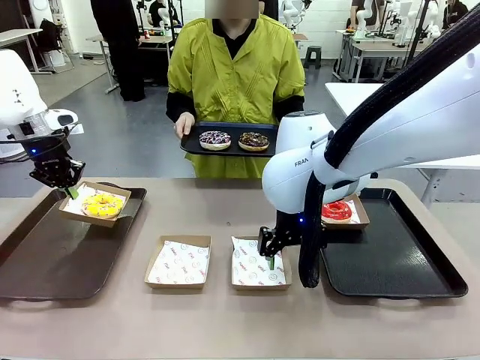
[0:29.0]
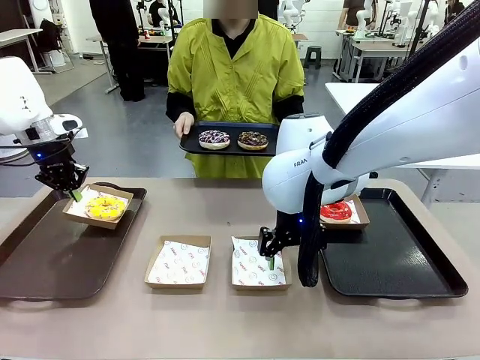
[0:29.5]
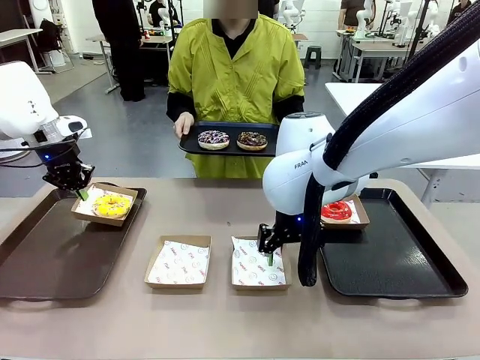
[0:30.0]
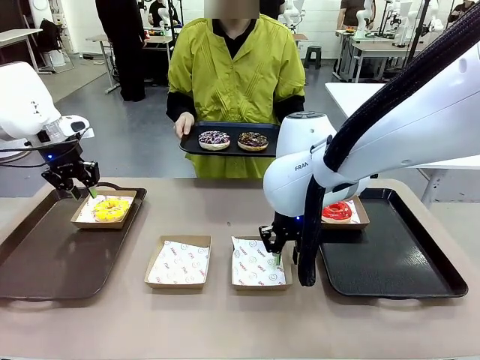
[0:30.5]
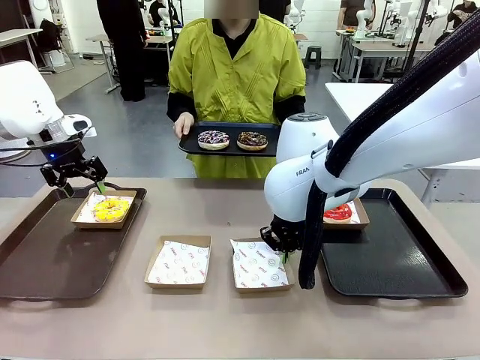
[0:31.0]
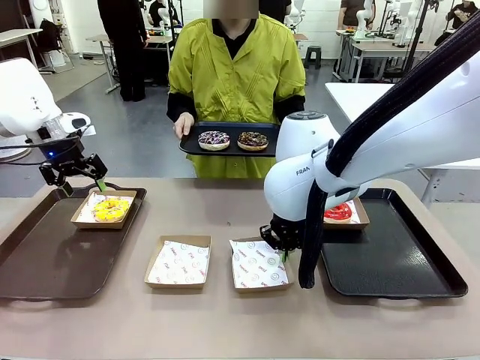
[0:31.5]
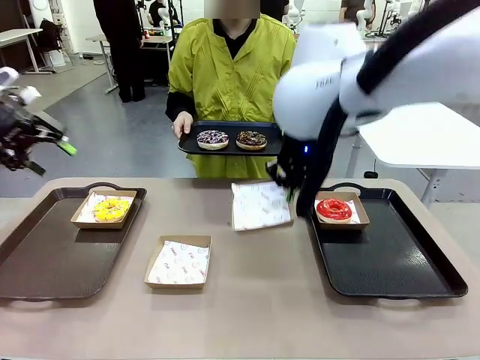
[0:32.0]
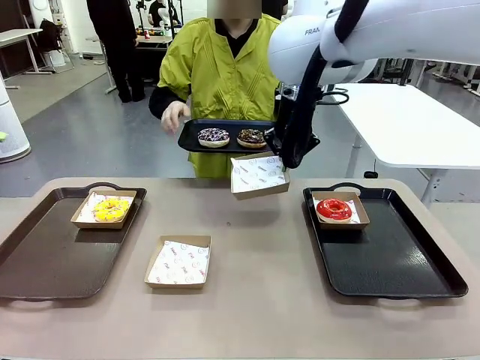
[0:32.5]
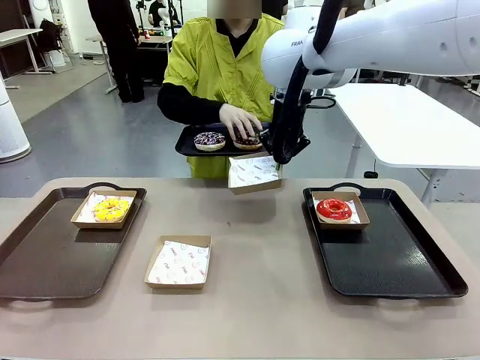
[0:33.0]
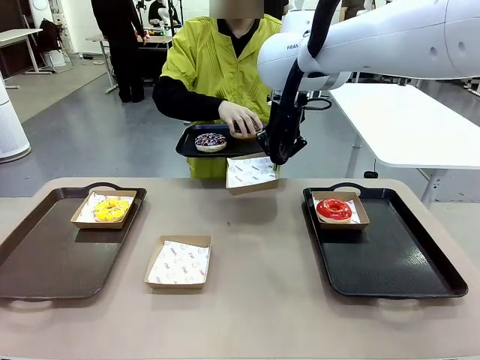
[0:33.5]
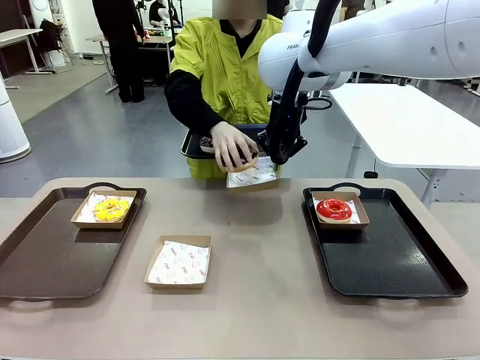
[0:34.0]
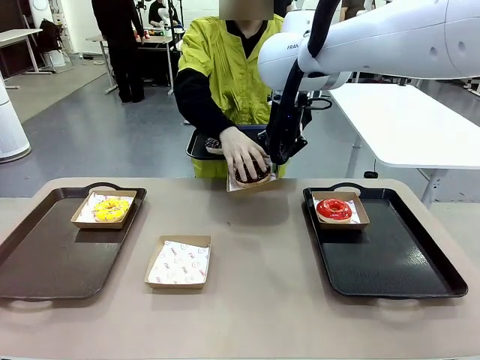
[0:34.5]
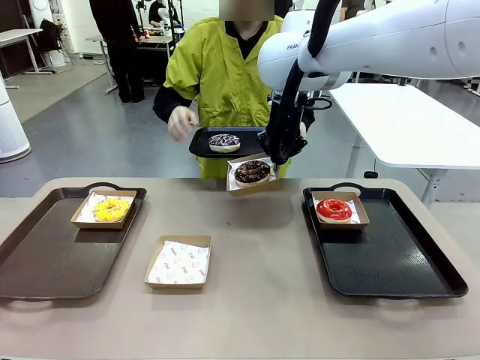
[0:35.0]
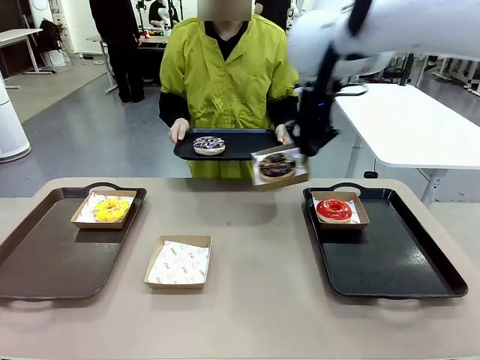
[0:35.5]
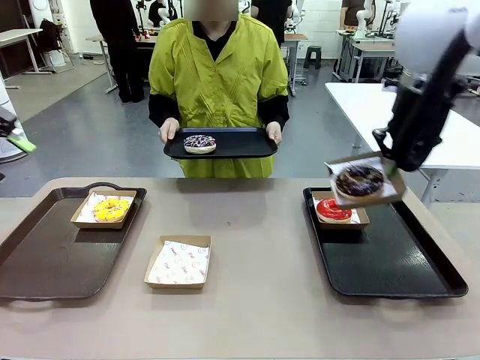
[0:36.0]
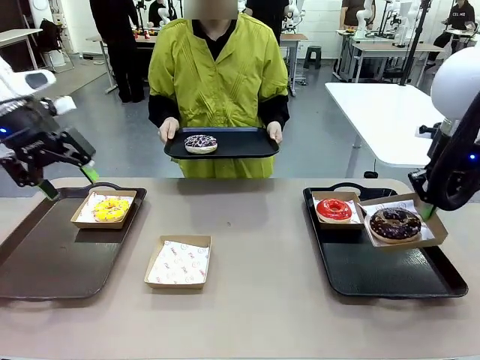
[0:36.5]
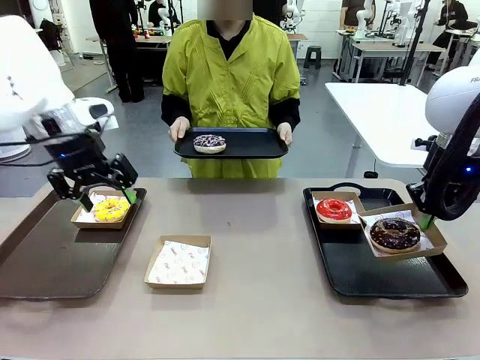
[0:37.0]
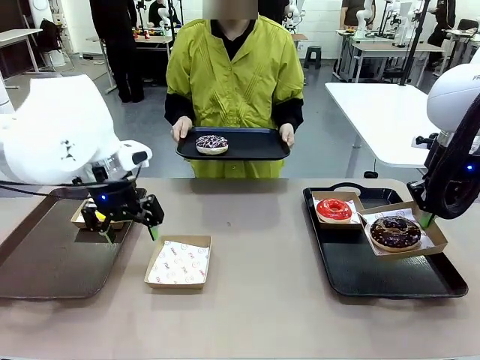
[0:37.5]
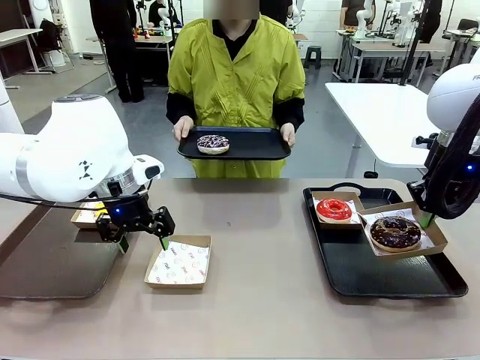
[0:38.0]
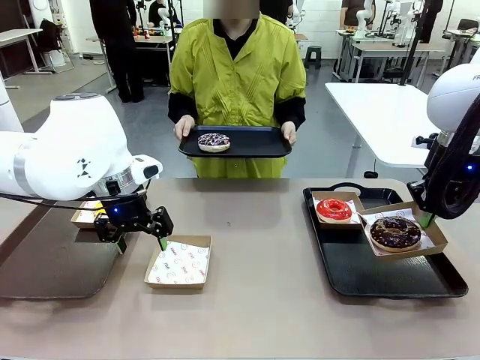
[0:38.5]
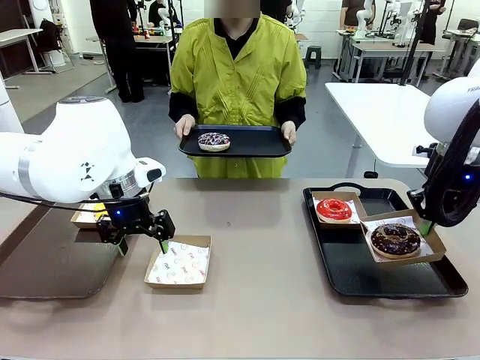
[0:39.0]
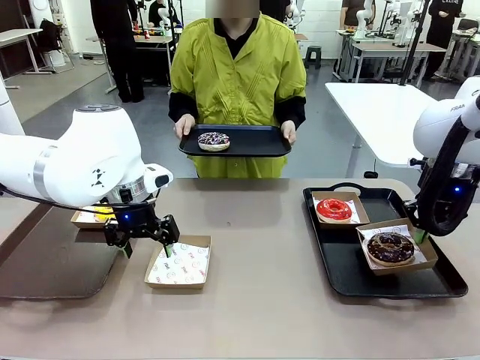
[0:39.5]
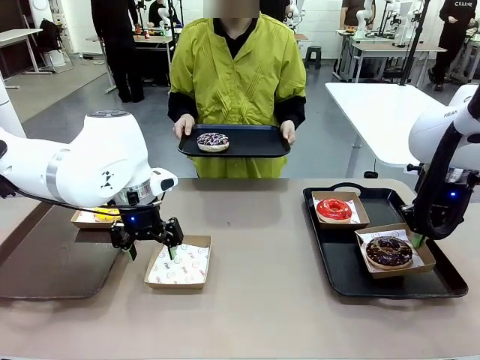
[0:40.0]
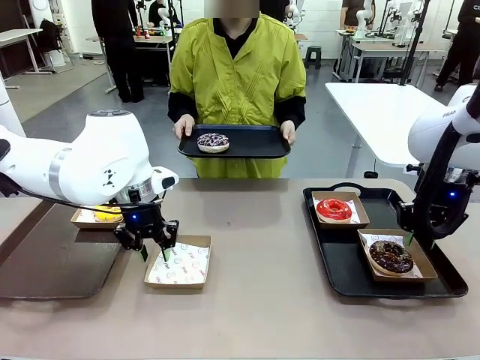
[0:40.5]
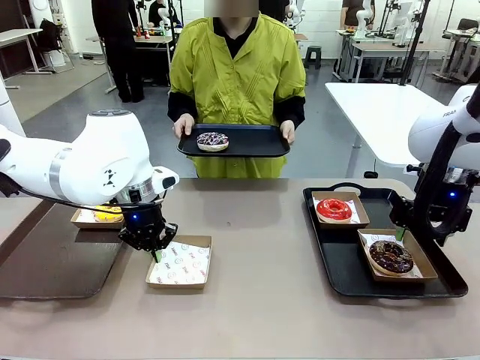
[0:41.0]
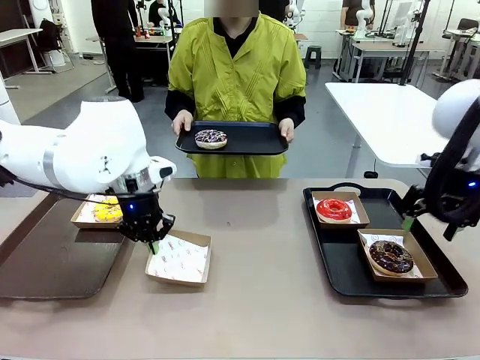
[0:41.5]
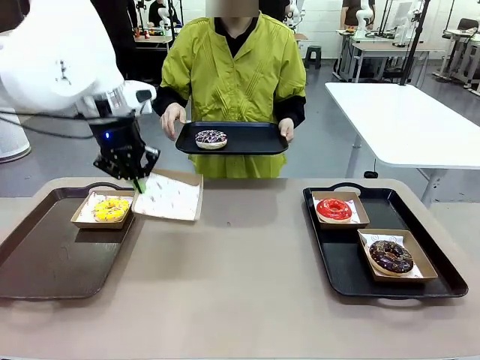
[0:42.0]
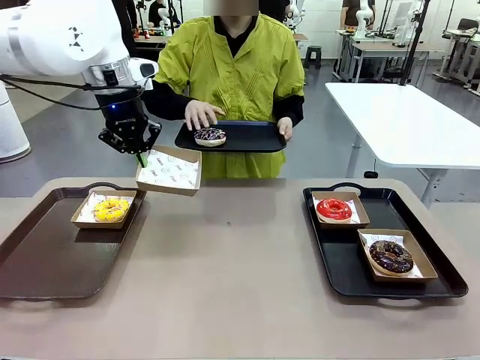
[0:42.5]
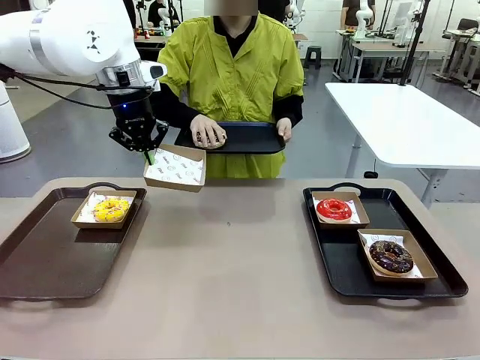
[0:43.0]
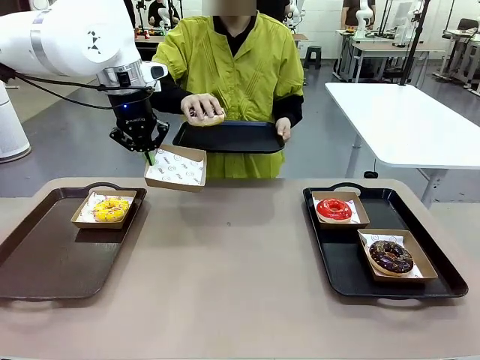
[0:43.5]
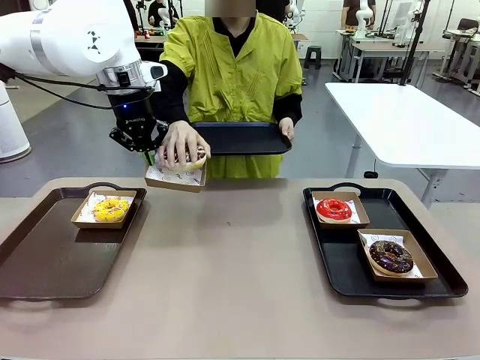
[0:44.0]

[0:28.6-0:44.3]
Task: Individually package the donuts and arrange them on the tray.
Robot: Place the picked Paper togo box on the Handle tray while simultaneously picking up another Paper togo box from the table with the other hand.

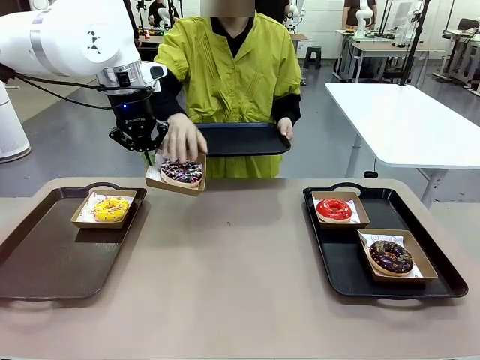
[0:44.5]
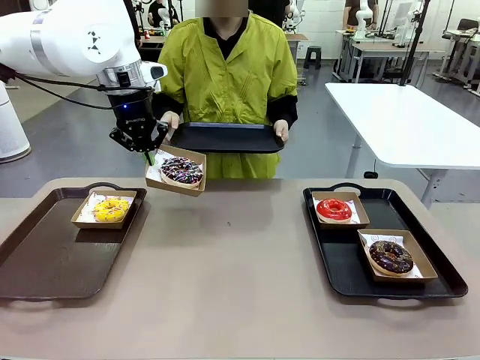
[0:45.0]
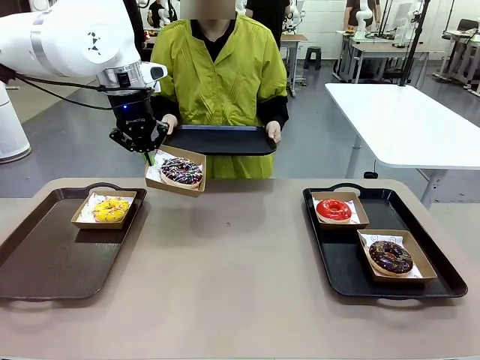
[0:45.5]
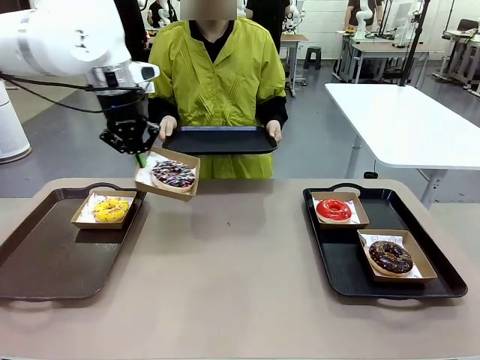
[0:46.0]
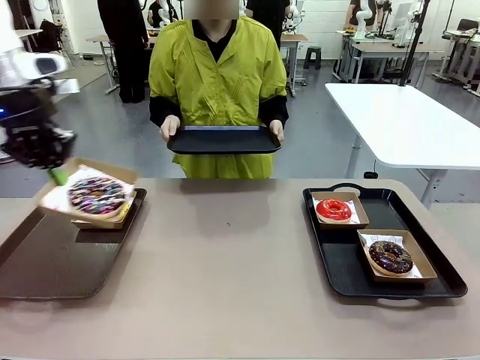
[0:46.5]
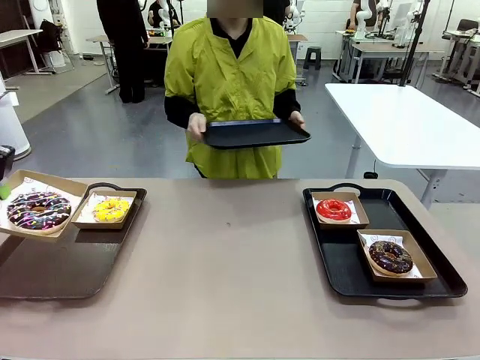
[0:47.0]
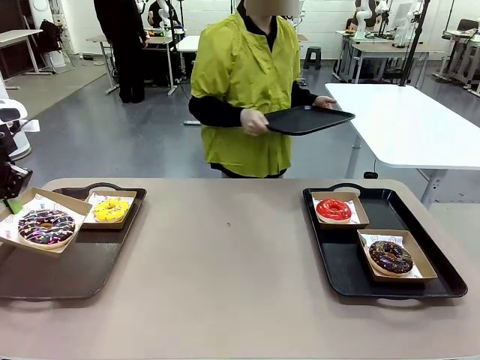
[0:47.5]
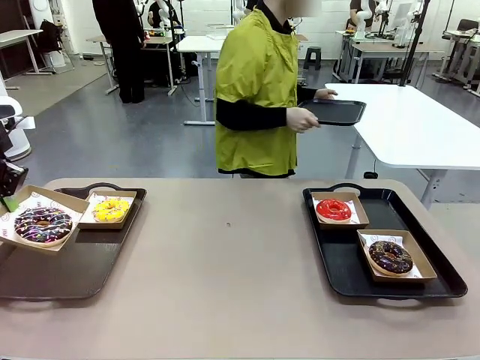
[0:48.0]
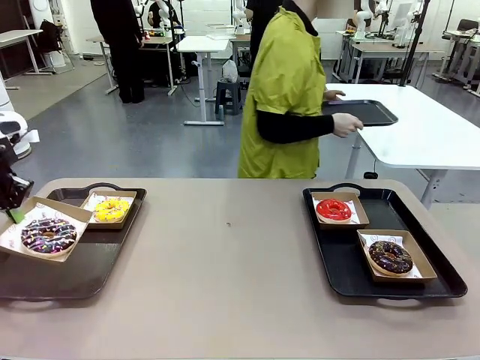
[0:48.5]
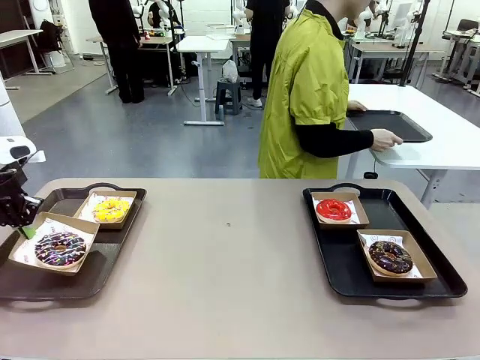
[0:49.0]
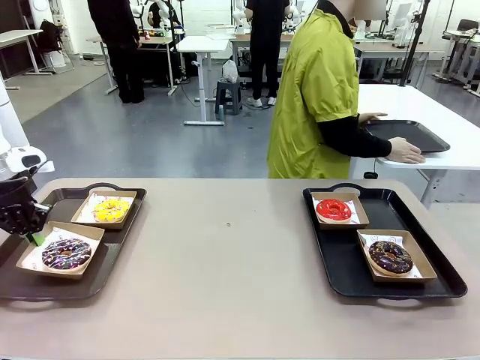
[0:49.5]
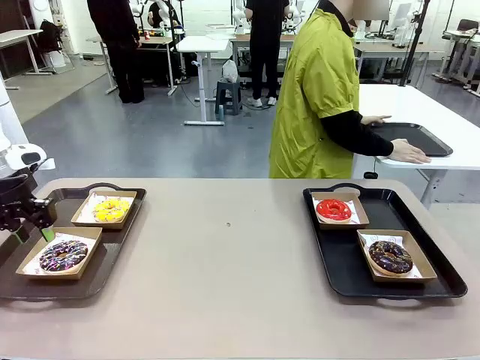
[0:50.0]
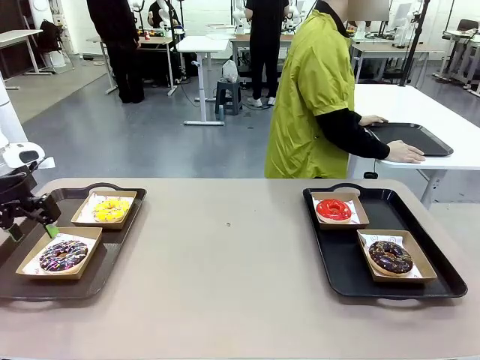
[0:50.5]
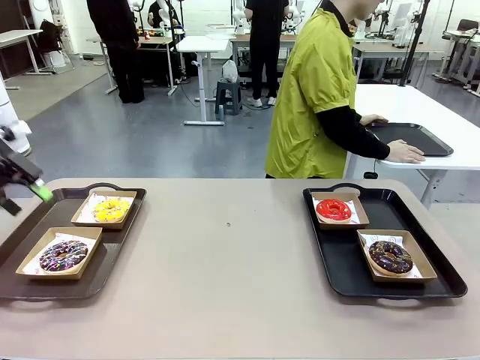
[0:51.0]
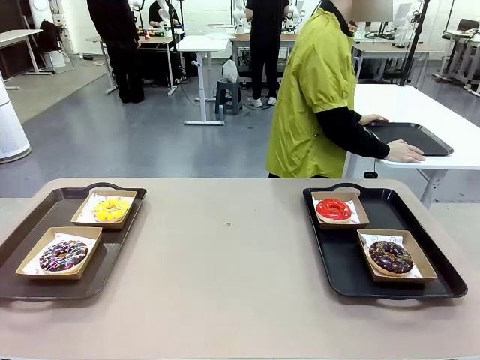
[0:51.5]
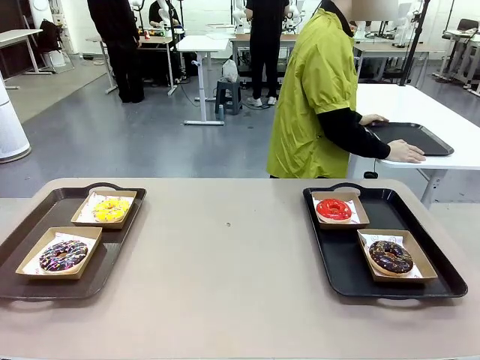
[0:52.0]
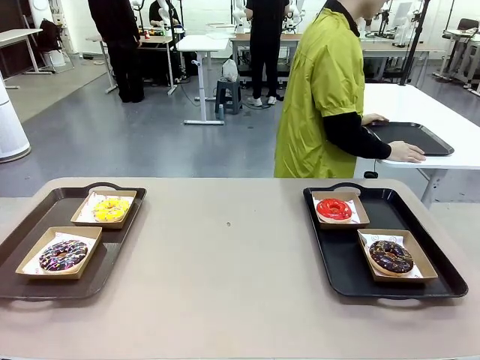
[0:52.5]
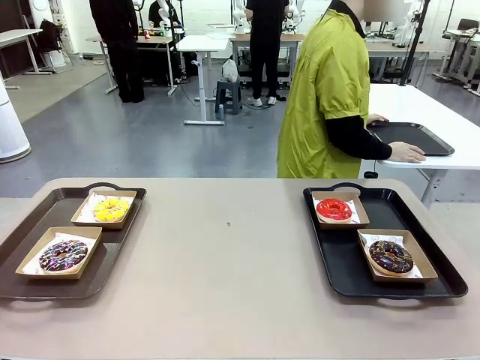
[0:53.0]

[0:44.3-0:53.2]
Robot: Place the picked Paper togo box on the Handle tray.
Person: Place the tray down in the middle of the human table.
